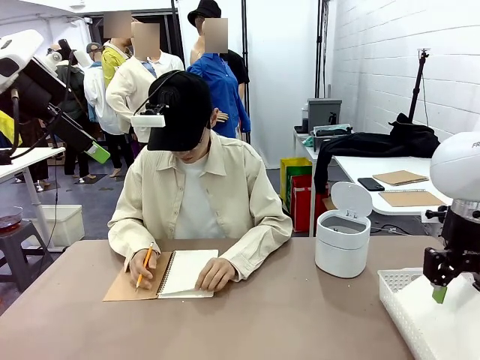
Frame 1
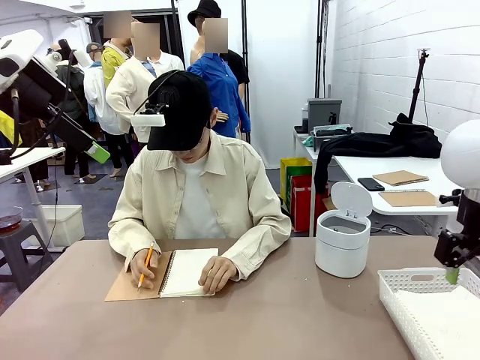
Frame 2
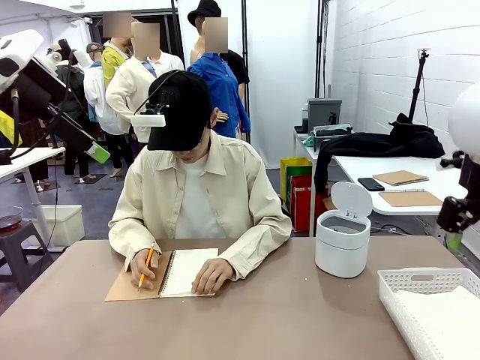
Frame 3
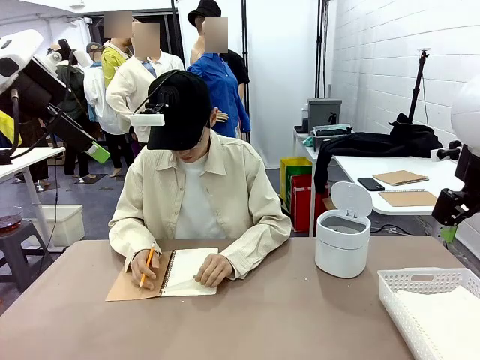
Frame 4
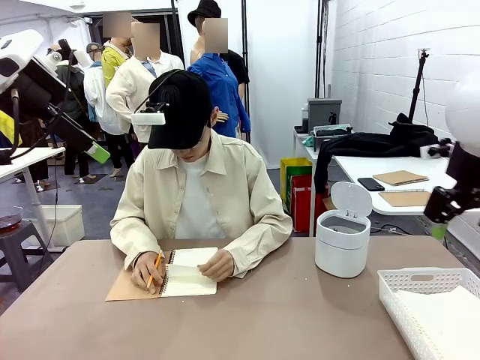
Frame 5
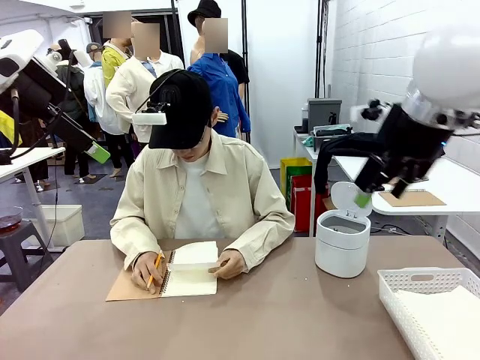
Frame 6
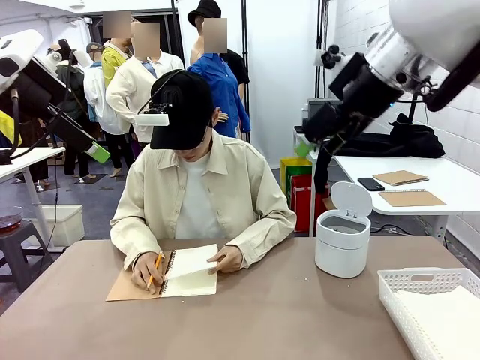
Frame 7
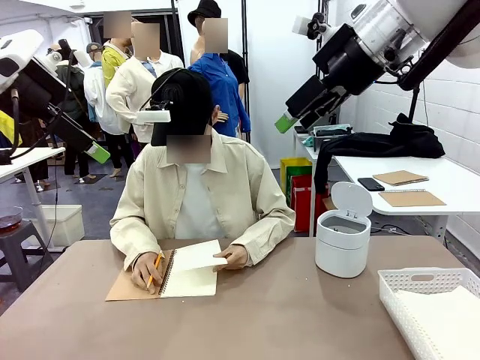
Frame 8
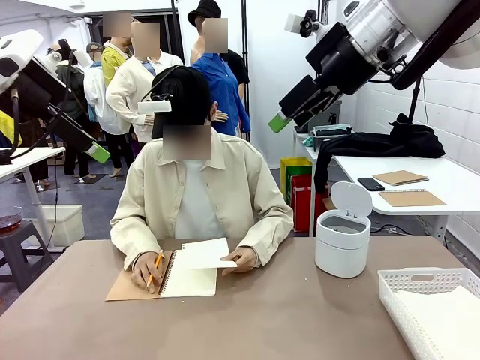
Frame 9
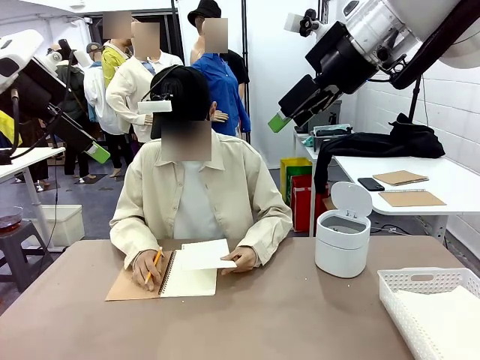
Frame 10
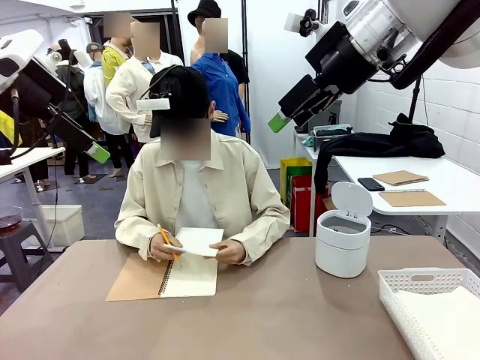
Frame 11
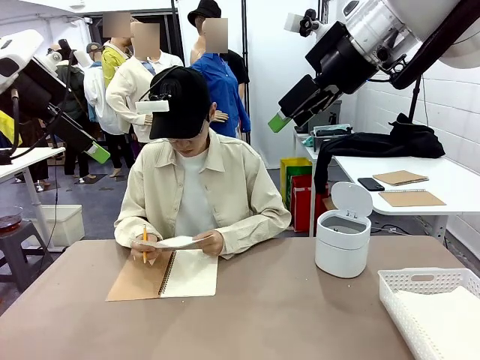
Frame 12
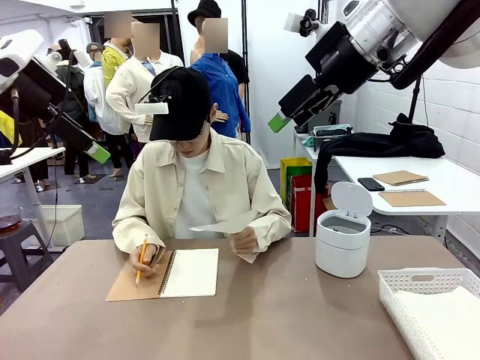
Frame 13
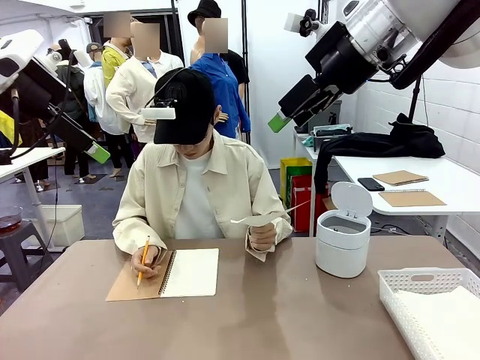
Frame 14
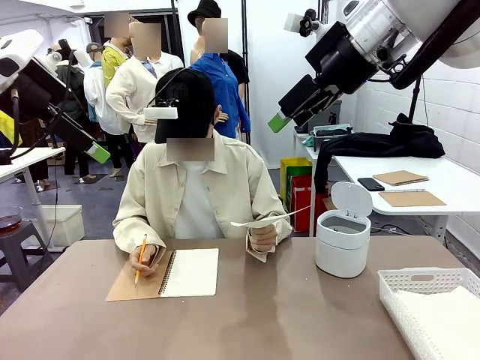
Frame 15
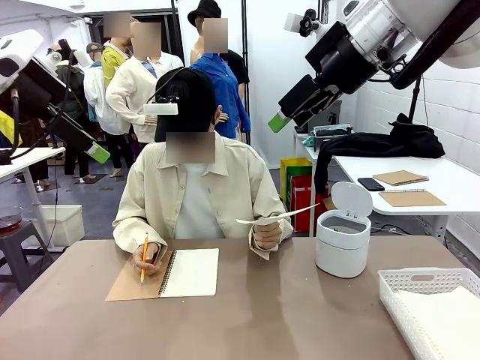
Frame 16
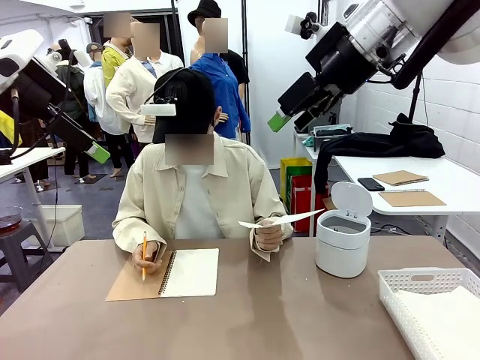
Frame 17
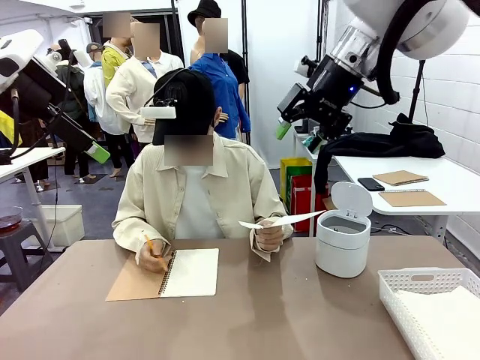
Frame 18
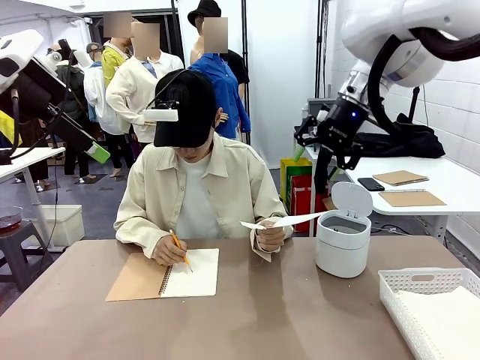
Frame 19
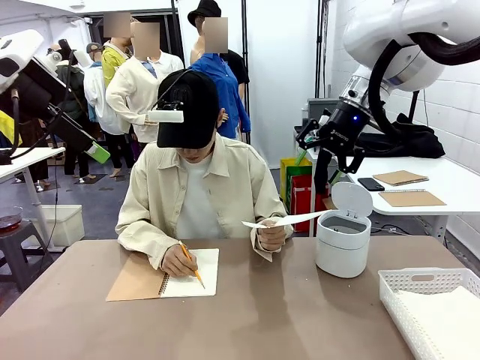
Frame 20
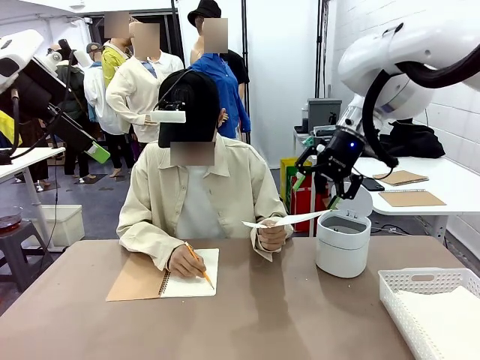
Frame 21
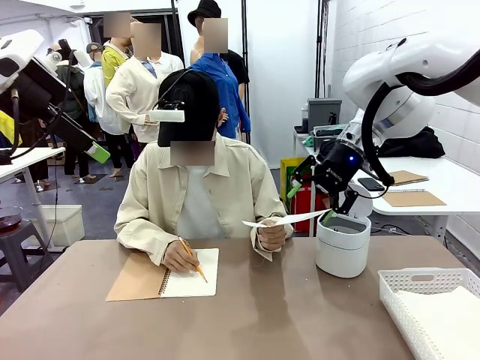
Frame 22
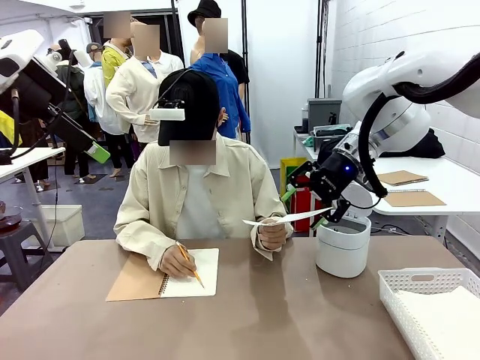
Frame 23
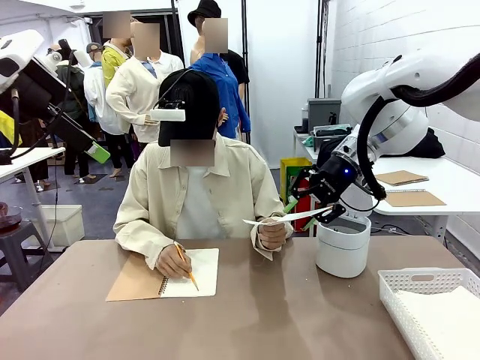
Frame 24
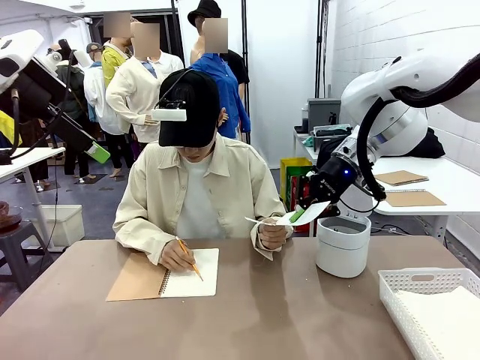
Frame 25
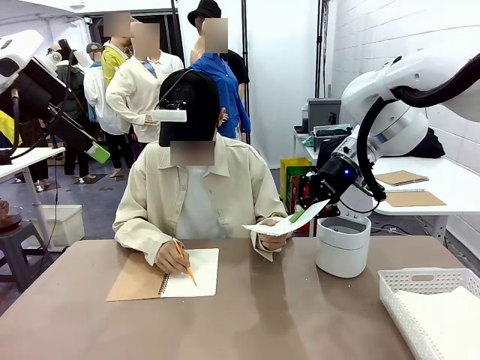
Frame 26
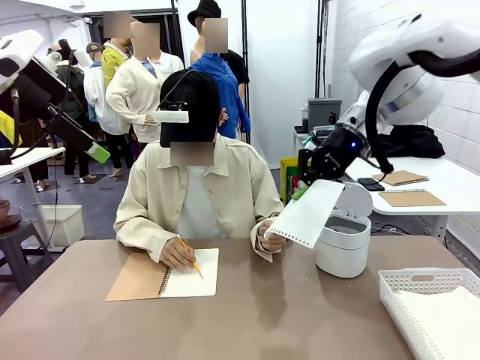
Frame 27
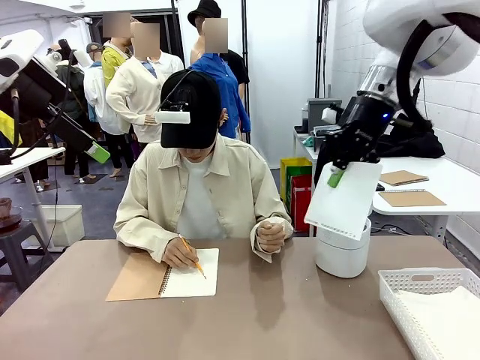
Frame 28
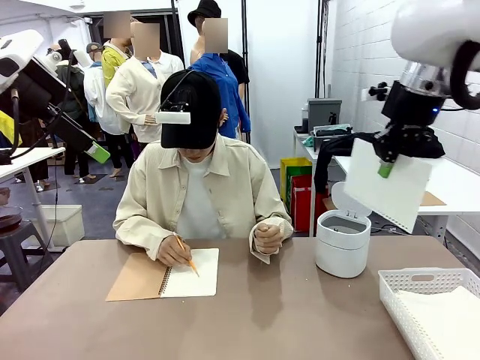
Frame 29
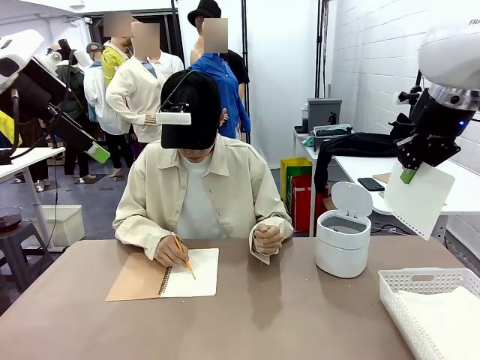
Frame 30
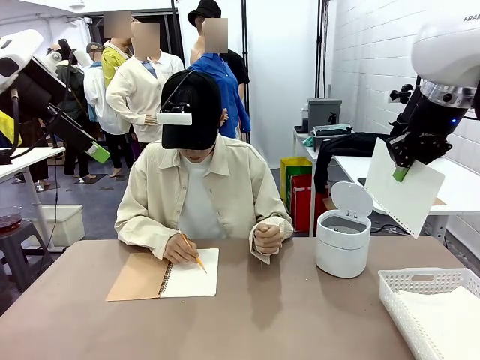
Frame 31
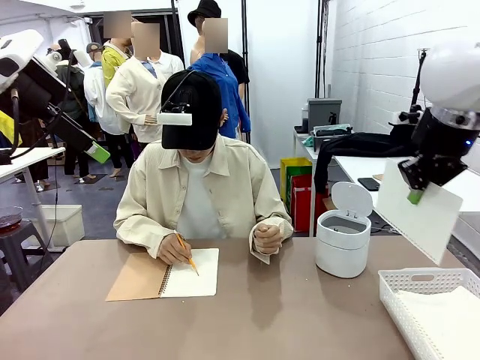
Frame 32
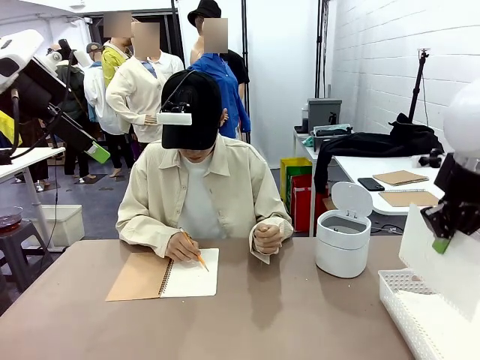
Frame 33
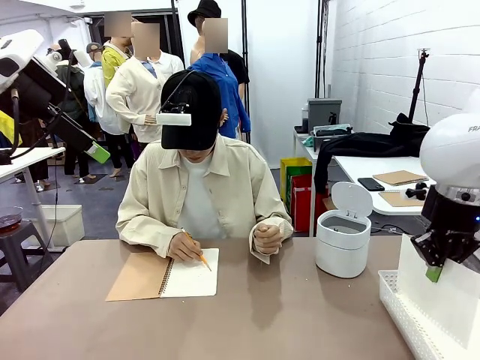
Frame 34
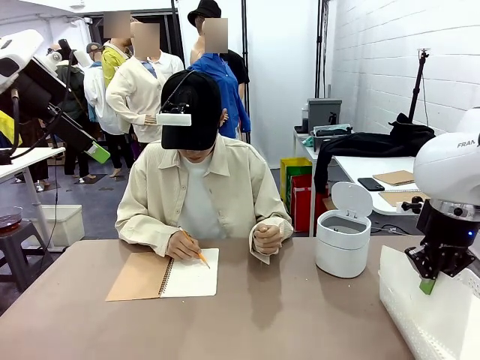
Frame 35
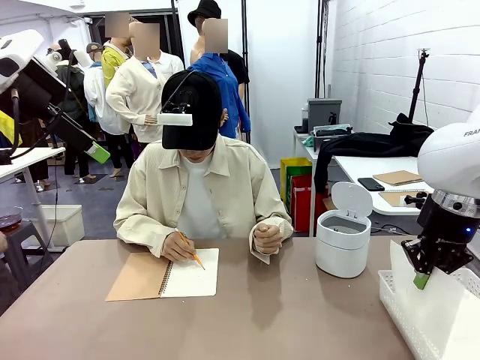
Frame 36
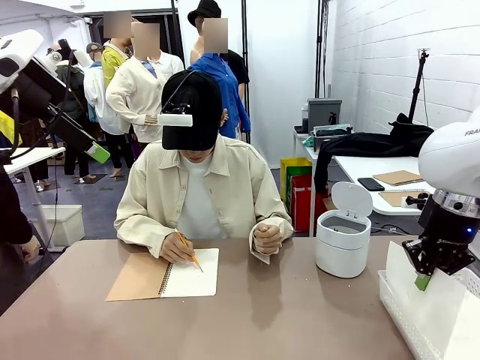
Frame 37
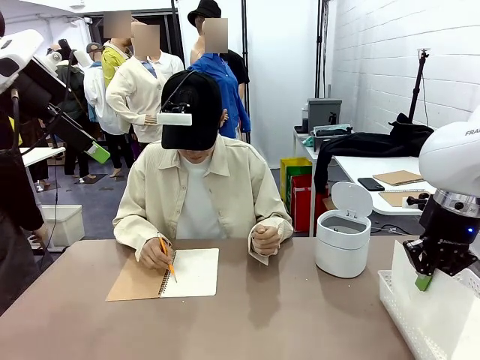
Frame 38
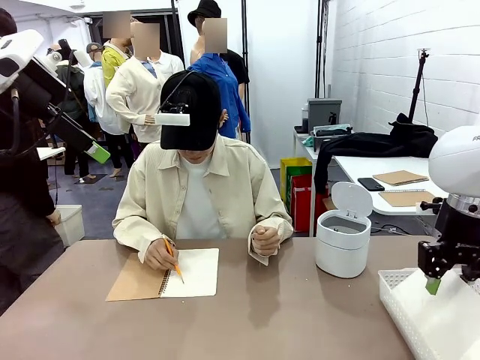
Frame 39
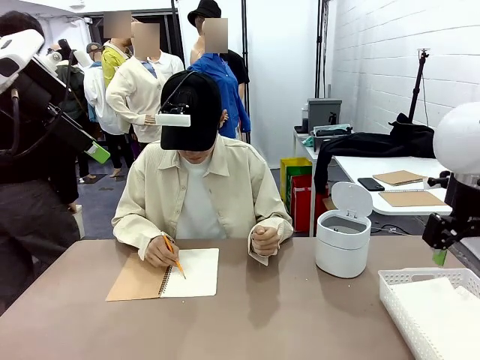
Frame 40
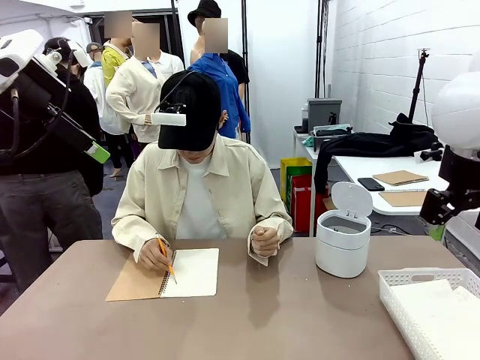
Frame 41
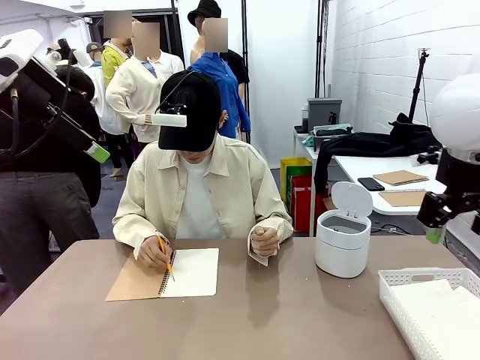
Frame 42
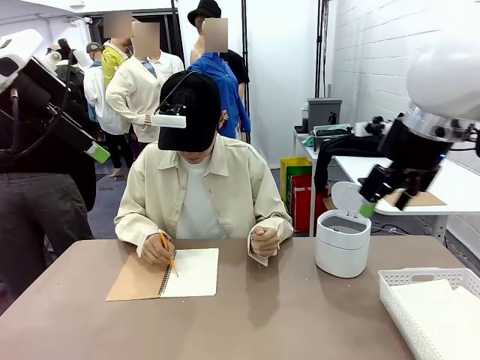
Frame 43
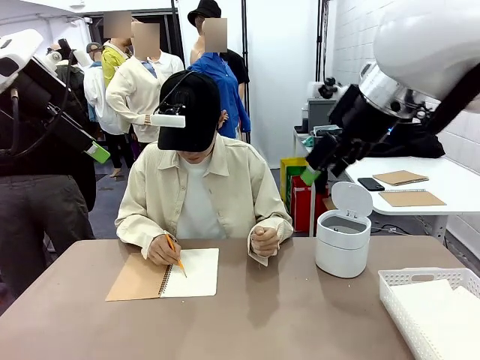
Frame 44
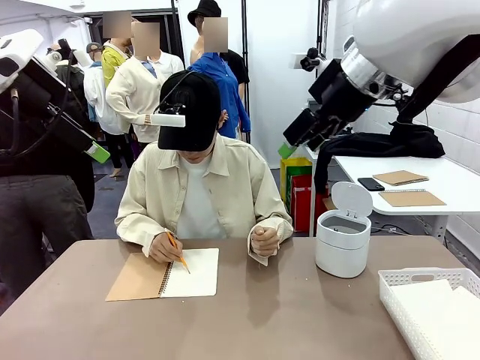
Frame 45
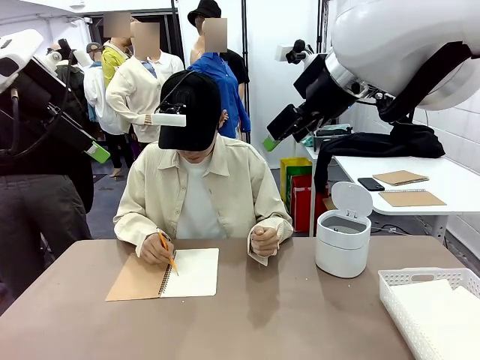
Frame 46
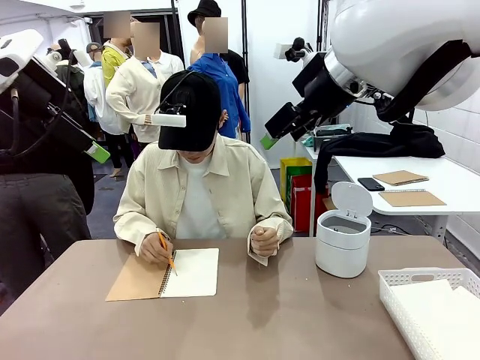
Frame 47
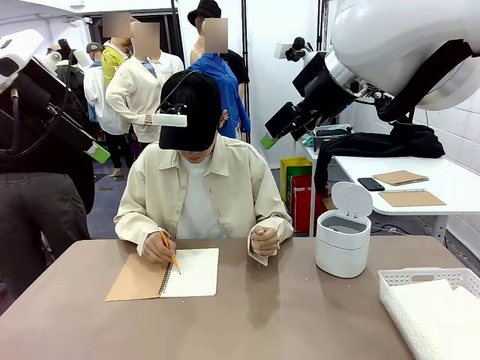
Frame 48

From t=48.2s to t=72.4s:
Task: Sort the paper based on its condition.
Robot: If a person hands you a paper, place it in the Organizing basket , and if it's crumpled, put it in the Trash can.
Person: Hand the torn page to the robot or crumple it and throw it to the center of the table.

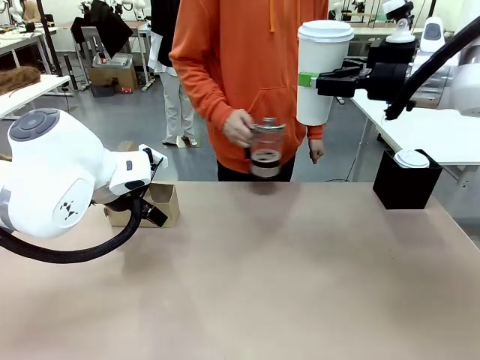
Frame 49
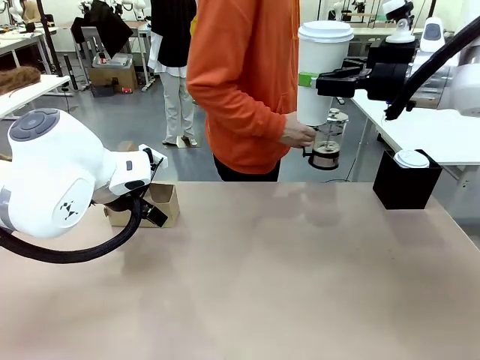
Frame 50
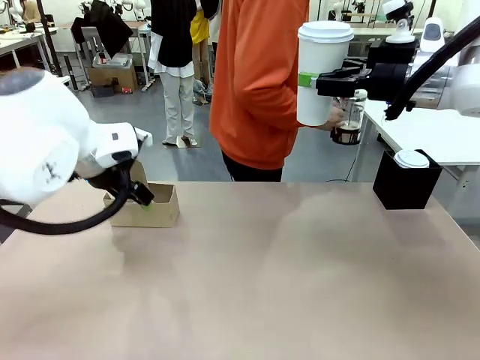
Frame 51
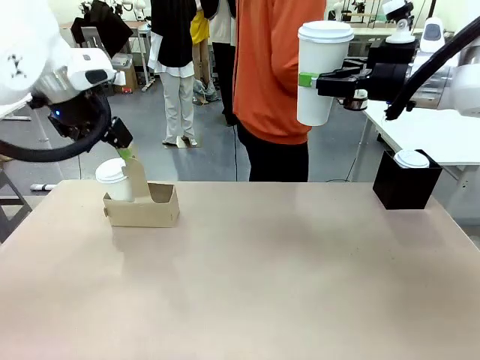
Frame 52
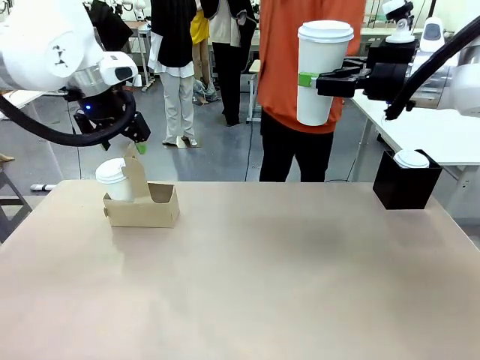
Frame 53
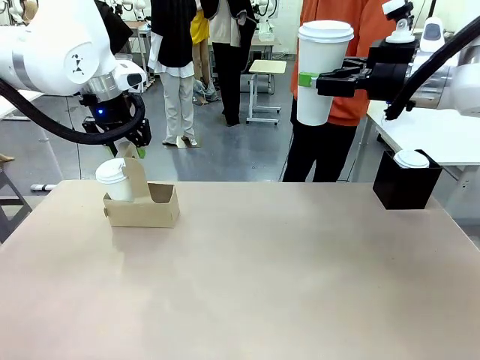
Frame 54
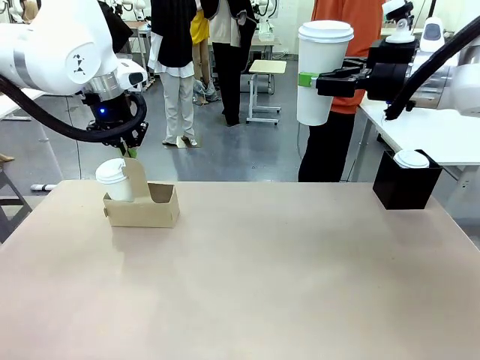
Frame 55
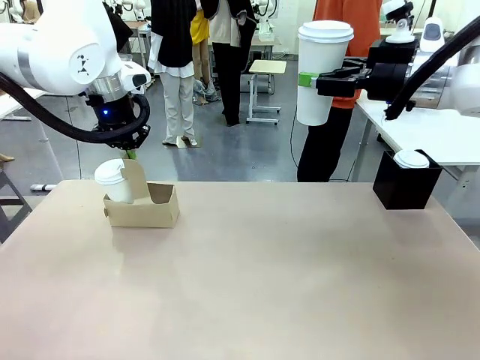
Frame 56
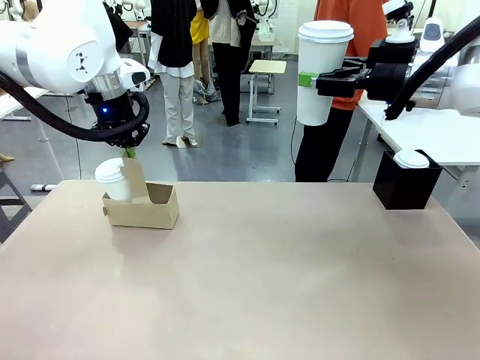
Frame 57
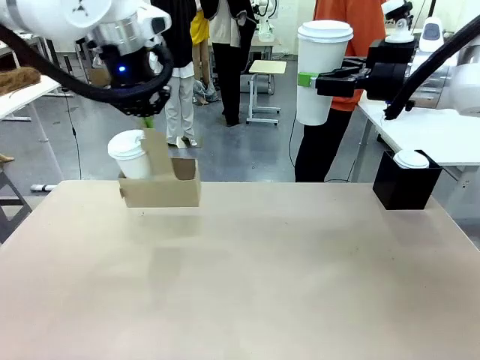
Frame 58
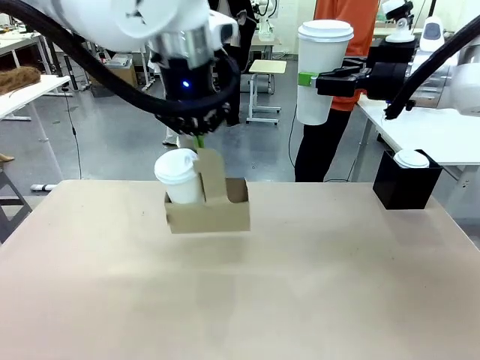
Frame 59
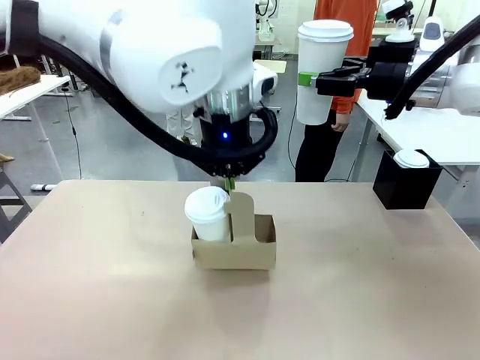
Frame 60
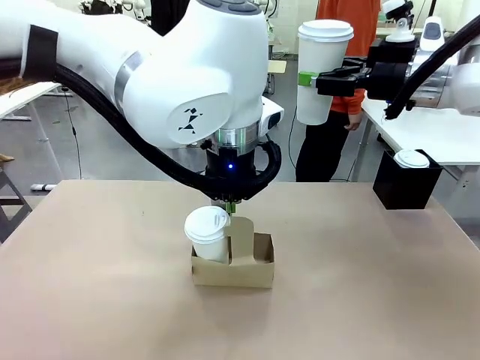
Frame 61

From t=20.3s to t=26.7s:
Task: Pour a drink into a cup and package it in a carrier.
Robot: Position the Cup Carrier in the center of the table.
